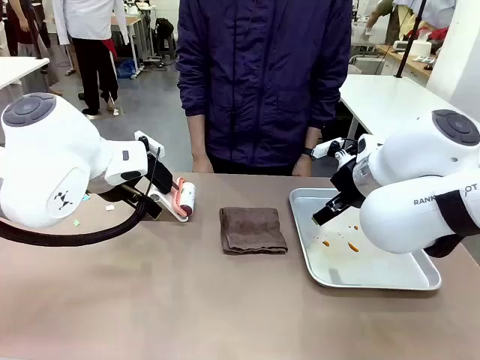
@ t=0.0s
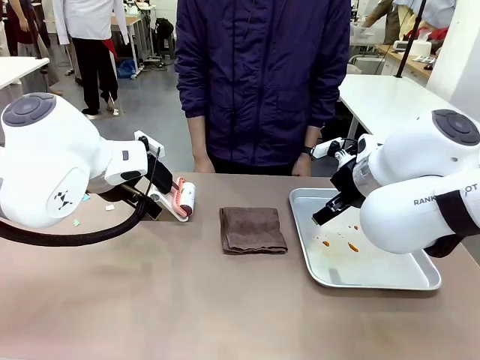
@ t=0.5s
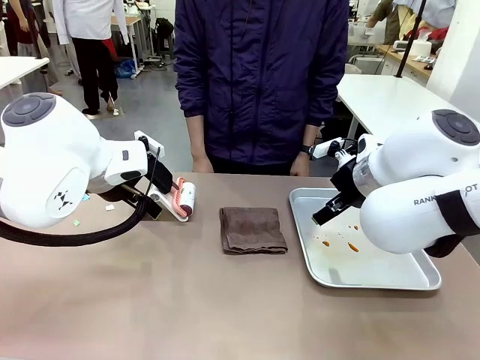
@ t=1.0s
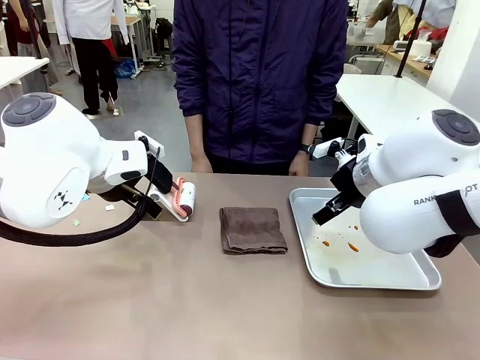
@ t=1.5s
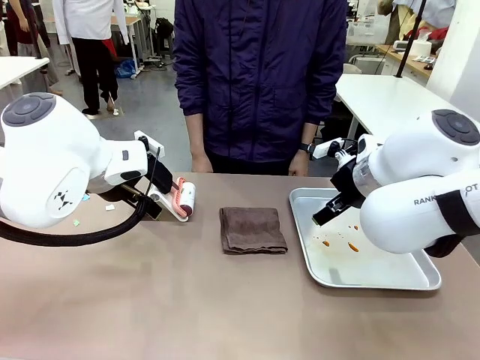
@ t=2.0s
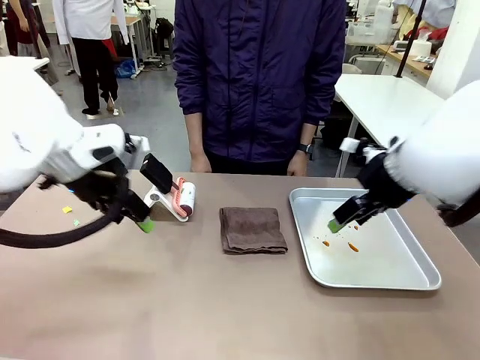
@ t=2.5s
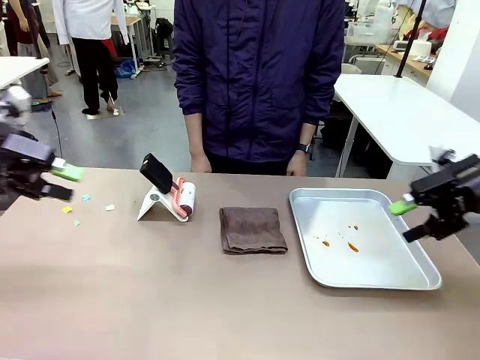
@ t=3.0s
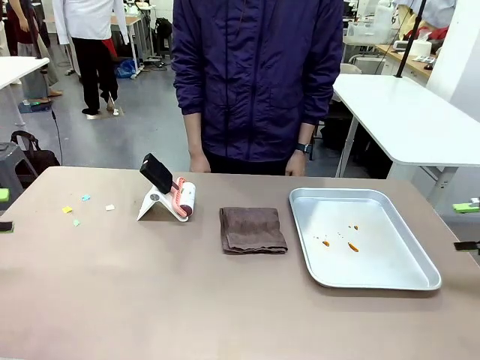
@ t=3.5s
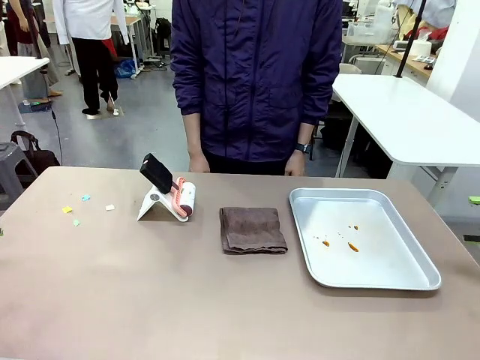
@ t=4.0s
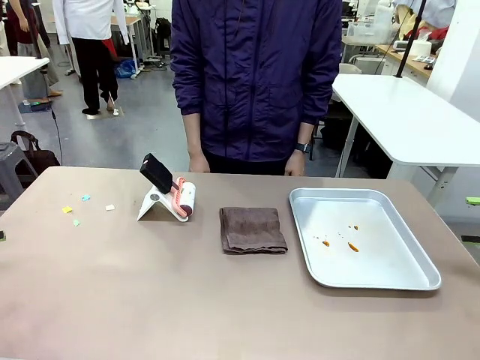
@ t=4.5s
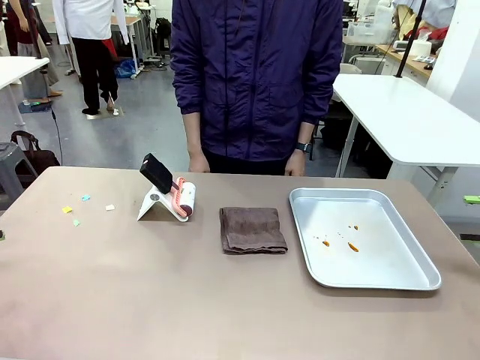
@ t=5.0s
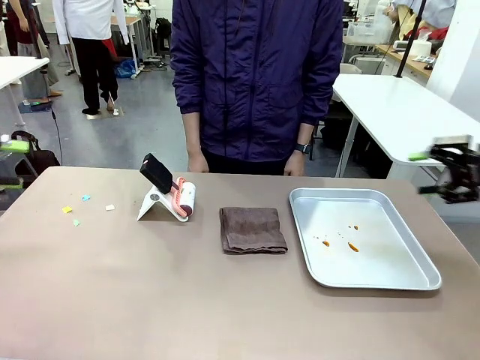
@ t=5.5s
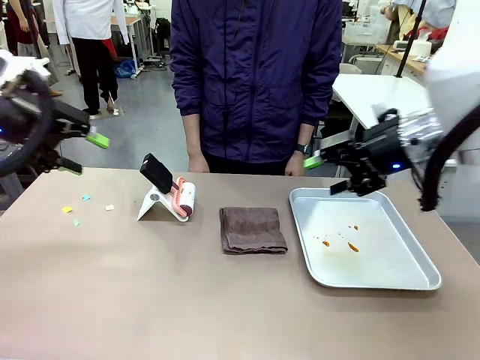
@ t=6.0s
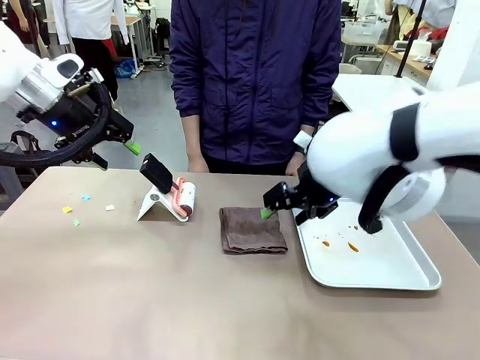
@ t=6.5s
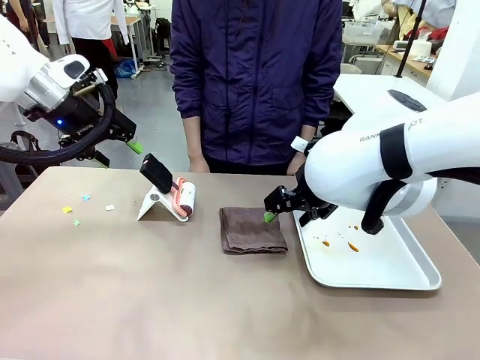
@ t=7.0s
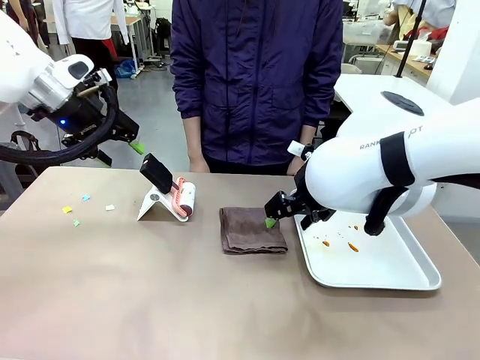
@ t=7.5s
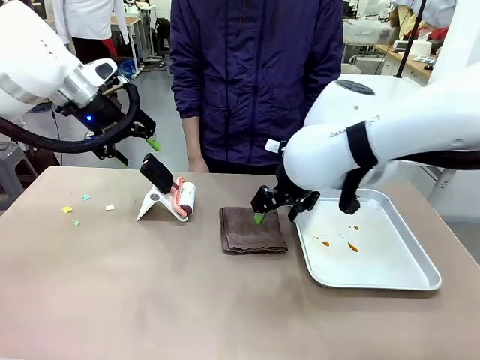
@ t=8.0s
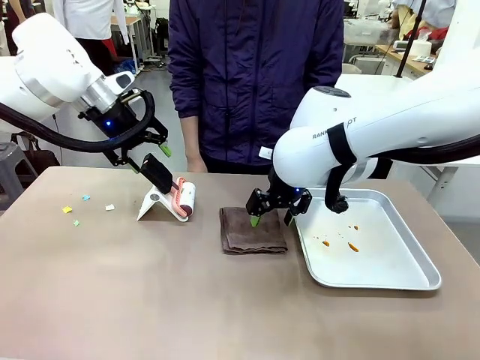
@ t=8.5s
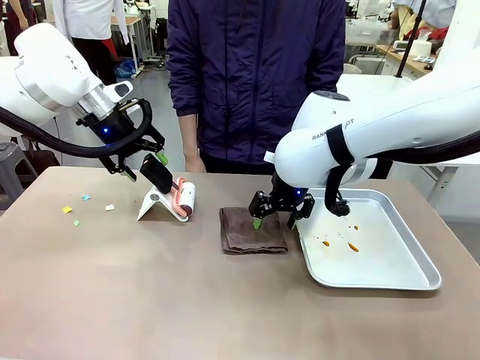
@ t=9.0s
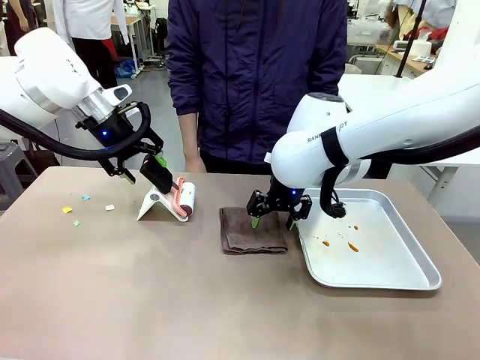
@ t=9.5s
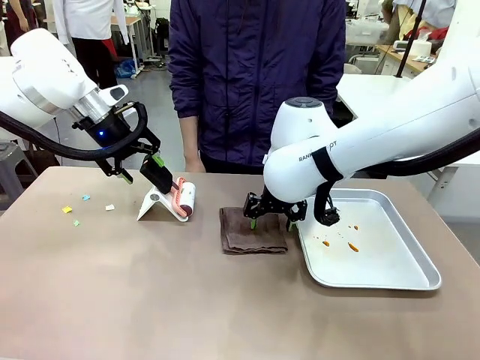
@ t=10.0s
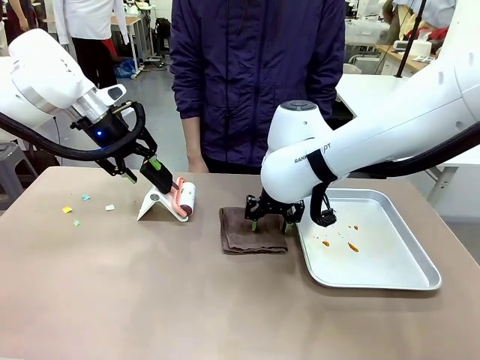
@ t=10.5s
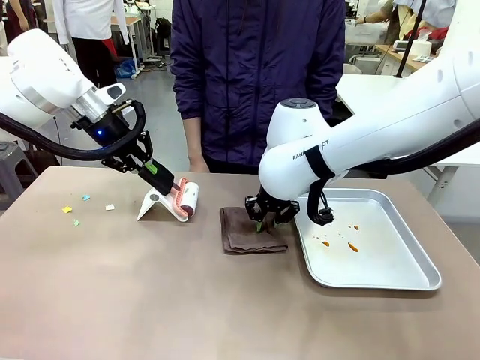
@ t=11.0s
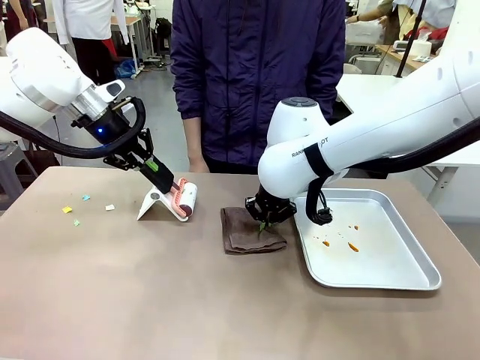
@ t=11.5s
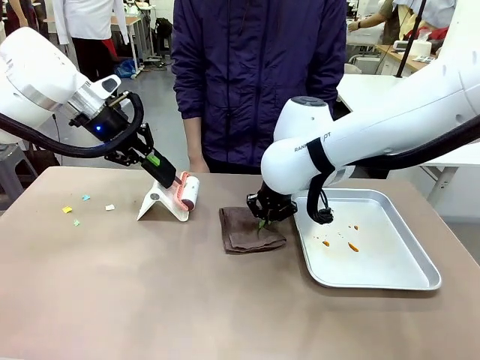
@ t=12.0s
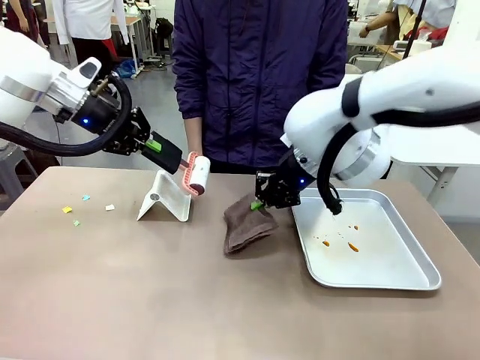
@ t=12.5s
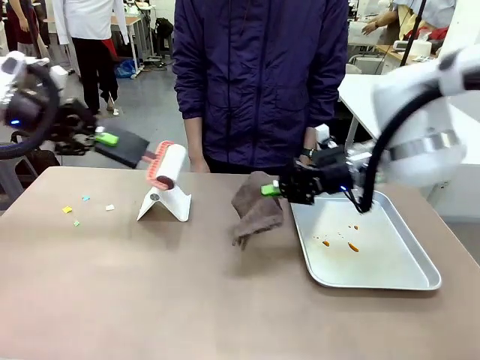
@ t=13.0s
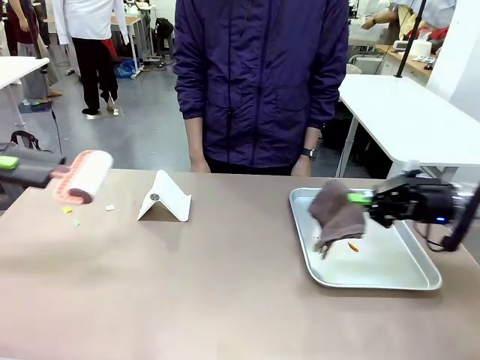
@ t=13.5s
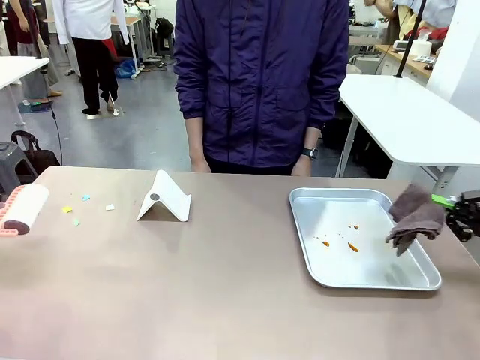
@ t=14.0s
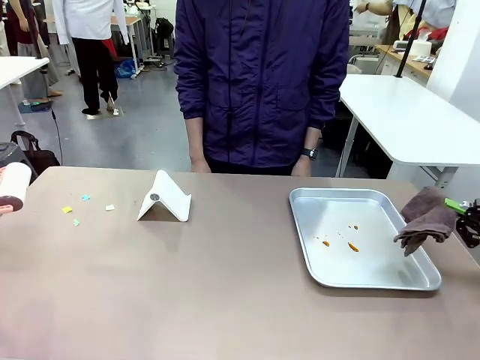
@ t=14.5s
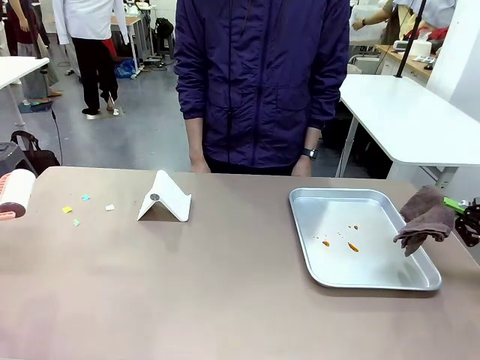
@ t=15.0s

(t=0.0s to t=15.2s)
Task: Clean the surface of the table.
Robot: Hold the Lint Roller with your left hand and the towel with your right hand.

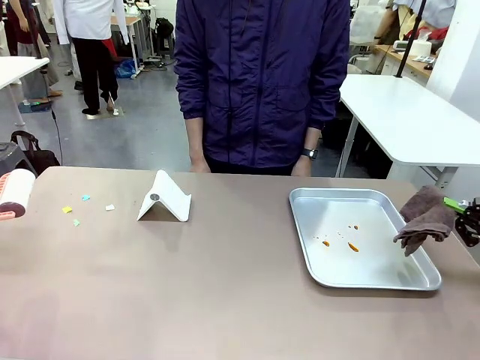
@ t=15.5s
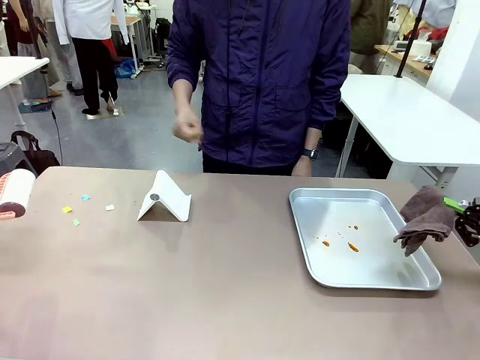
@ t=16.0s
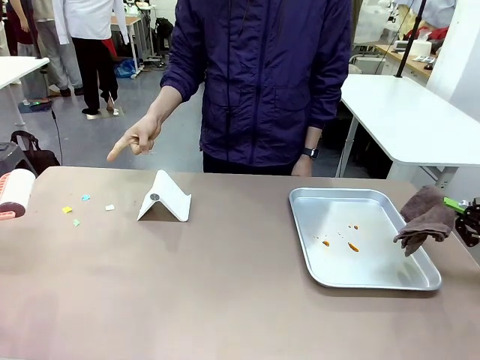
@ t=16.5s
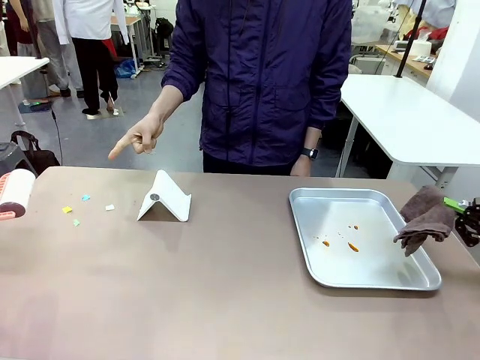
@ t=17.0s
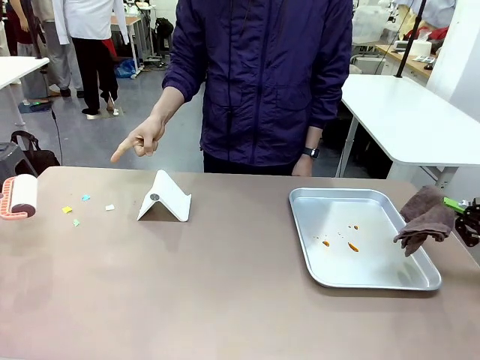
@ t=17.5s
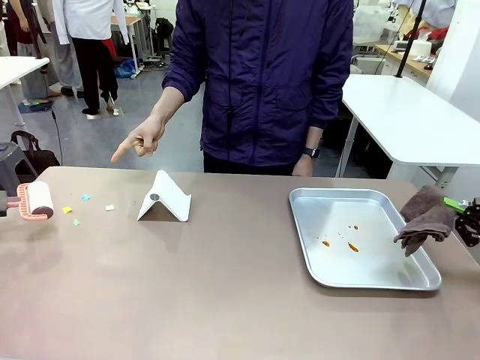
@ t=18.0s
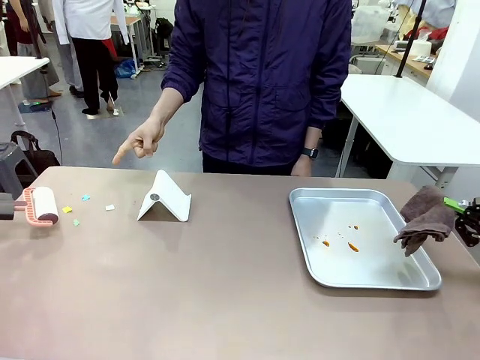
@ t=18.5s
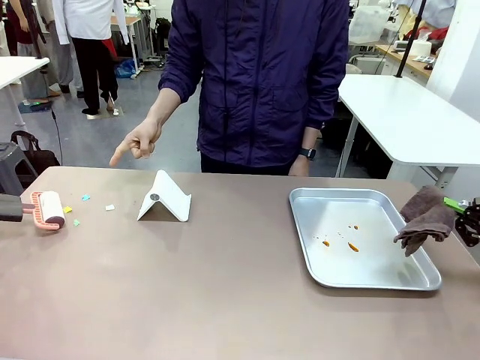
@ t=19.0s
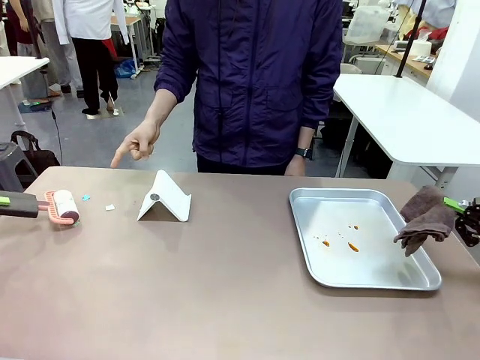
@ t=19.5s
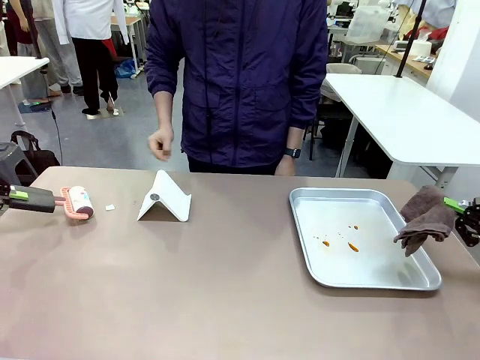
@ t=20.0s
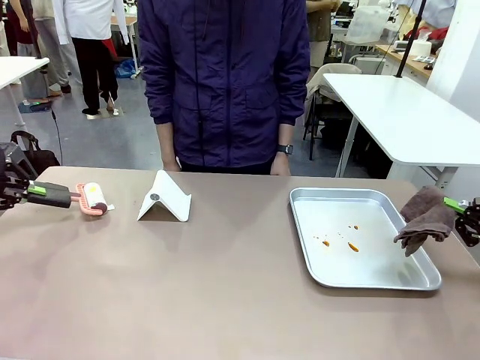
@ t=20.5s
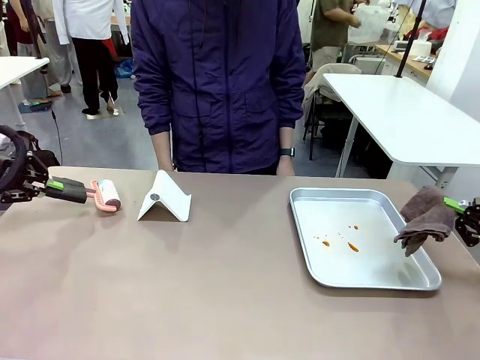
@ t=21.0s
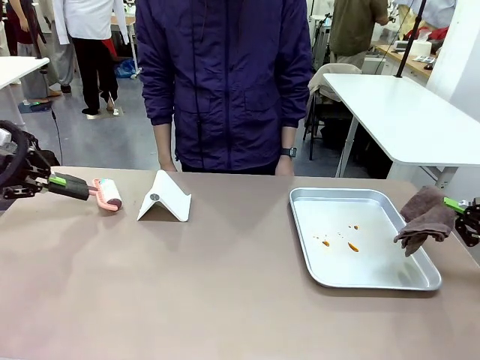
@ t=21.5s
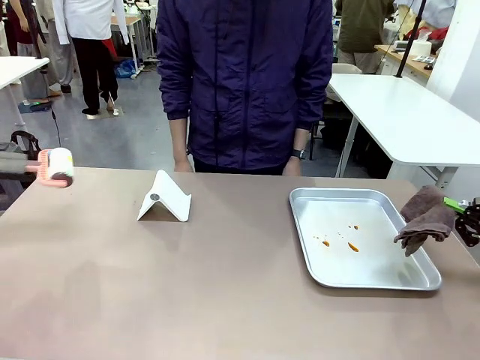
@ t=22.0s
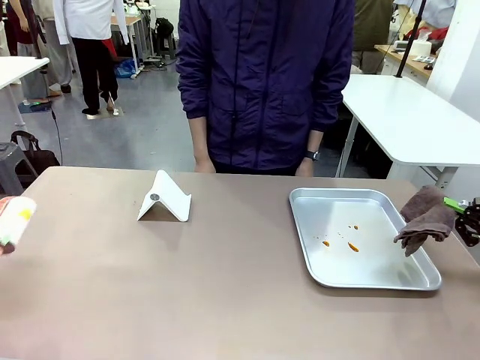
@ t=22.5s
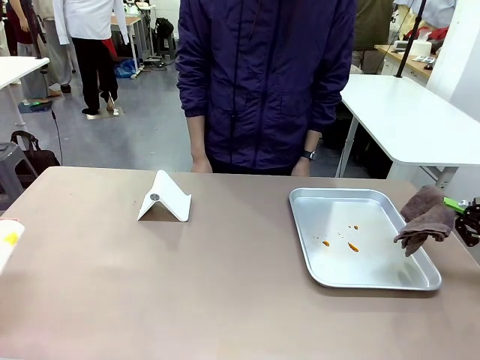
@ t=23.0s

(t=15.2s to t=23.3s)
Robot: If a person points to the right, clean the right side of the table with your right hand, and if they point to the left, clean the left side with your left hand.

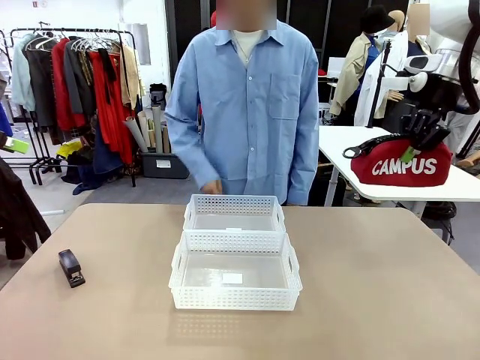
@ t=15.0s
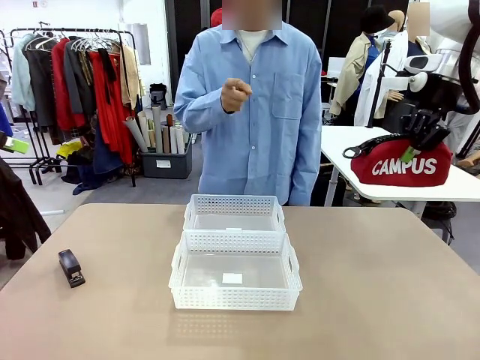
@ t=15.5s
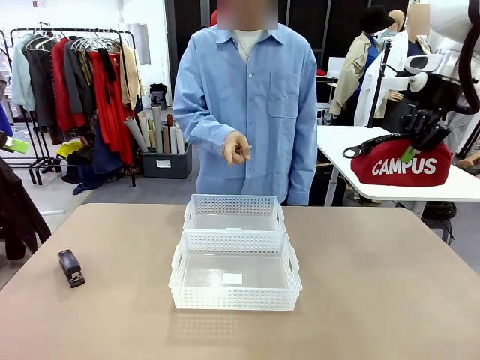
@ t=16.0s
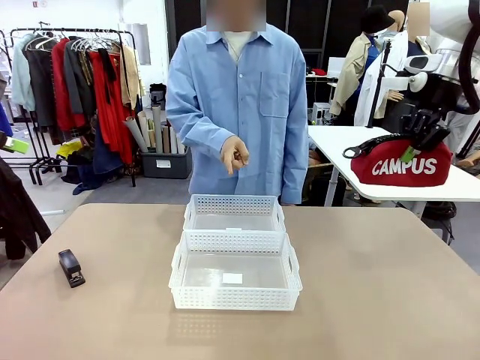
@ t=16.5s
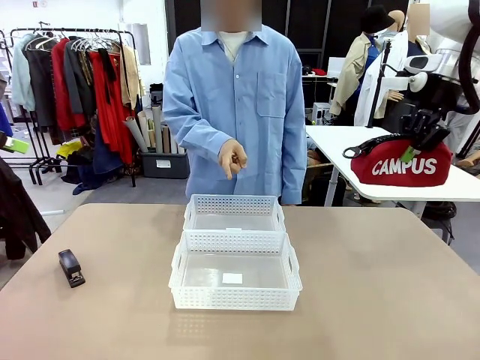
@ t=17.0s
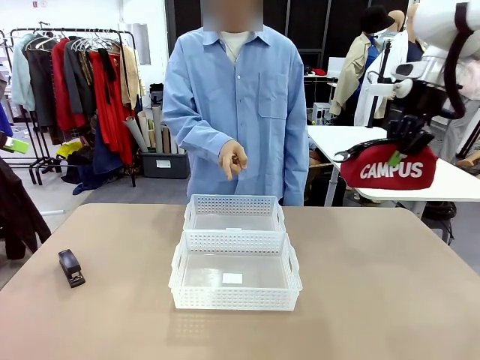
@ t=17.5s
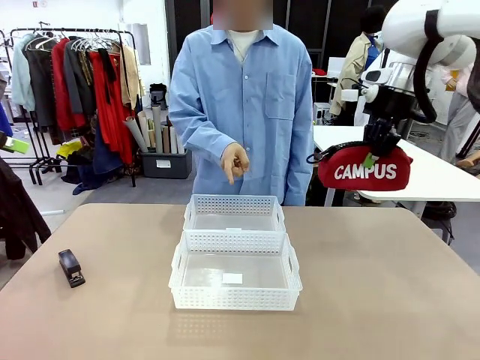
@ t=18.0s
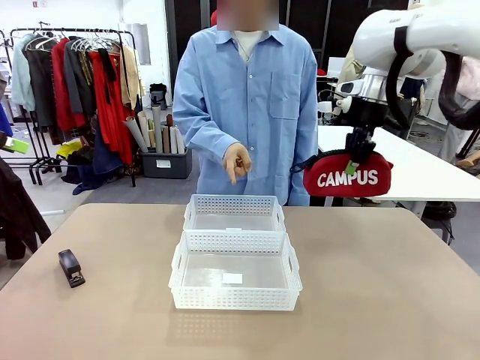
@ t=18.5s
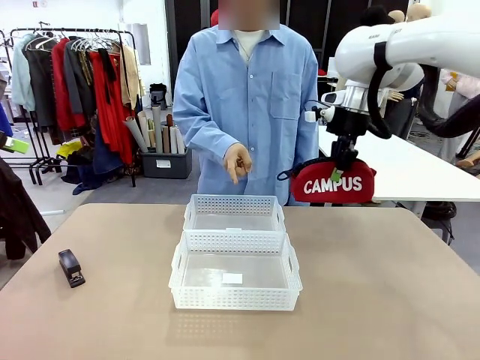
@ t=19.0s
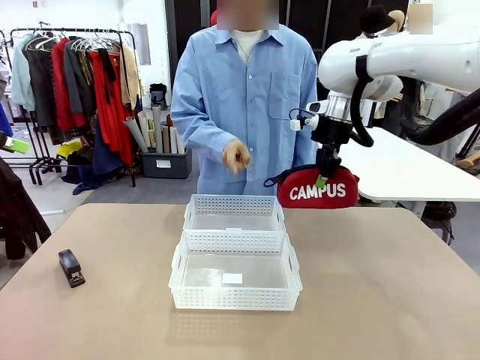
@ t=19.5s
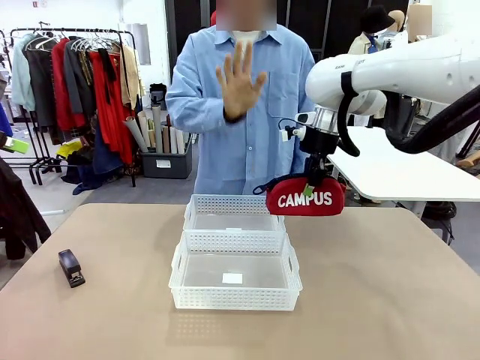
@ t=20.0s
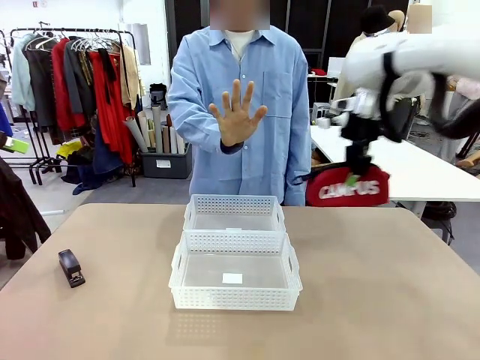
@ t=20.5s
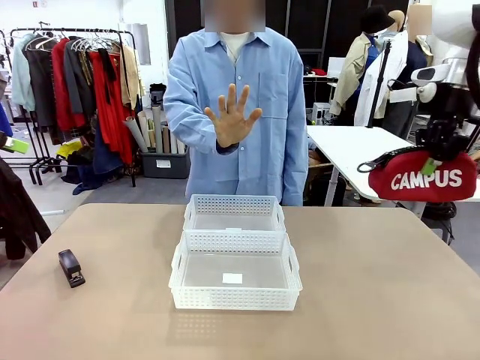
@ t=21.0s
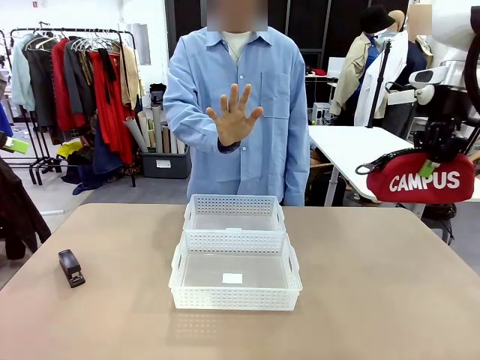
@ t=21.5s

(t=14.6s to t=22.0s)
Task: Distribute items into two baskets.
Robot: Move the picked Pencil pouch towards the Organizing basket indicated by the person, stopping as directed.
Person: Sends a stop gesture before the robot places the pencil case into the basket.
